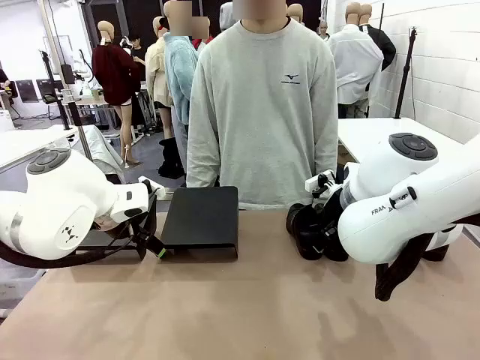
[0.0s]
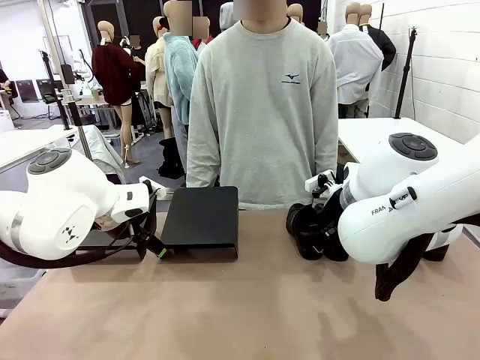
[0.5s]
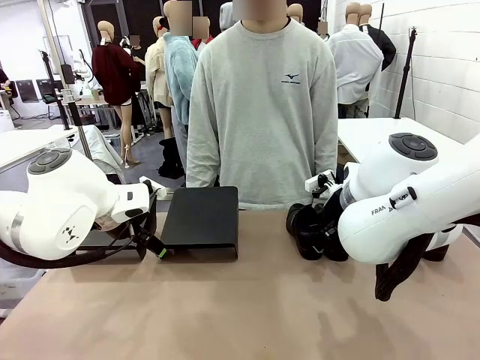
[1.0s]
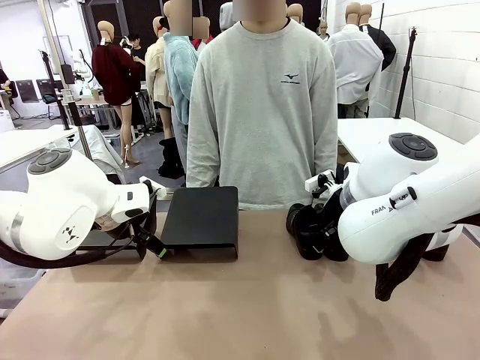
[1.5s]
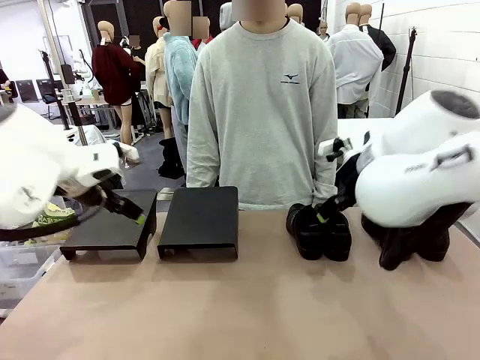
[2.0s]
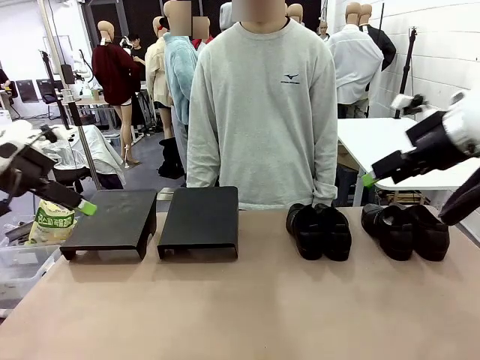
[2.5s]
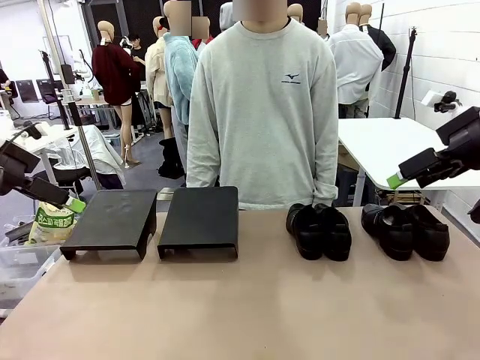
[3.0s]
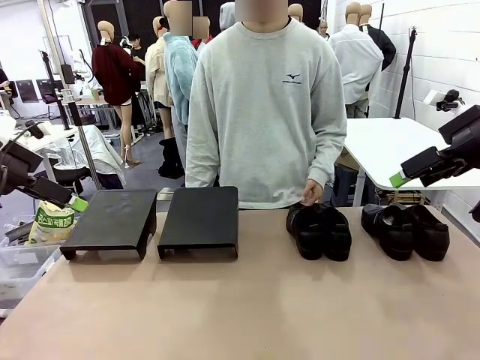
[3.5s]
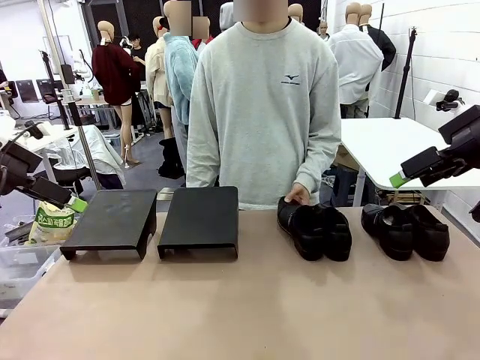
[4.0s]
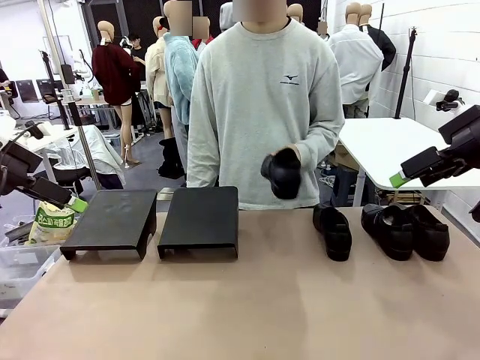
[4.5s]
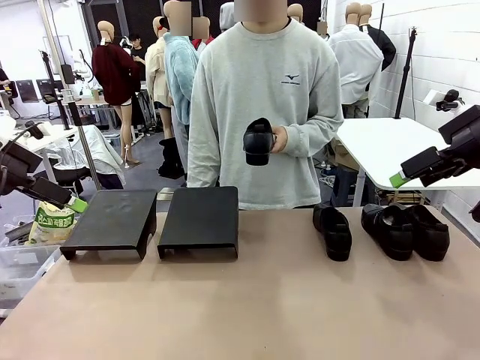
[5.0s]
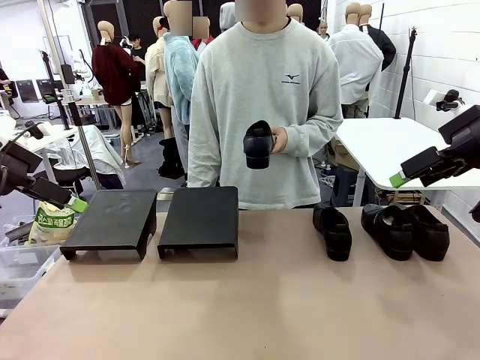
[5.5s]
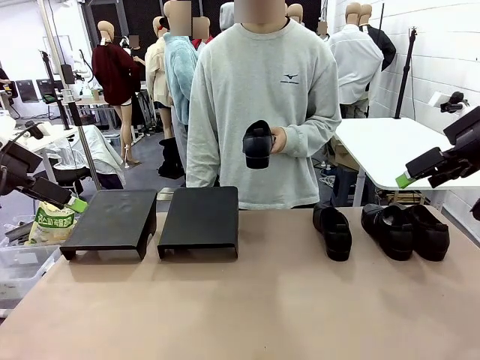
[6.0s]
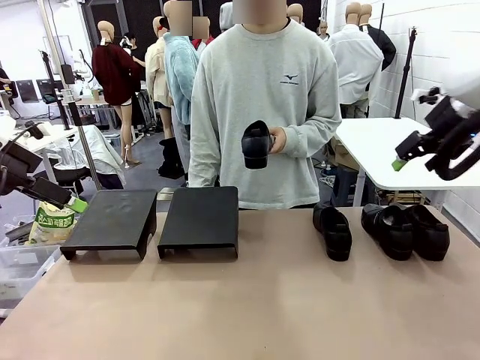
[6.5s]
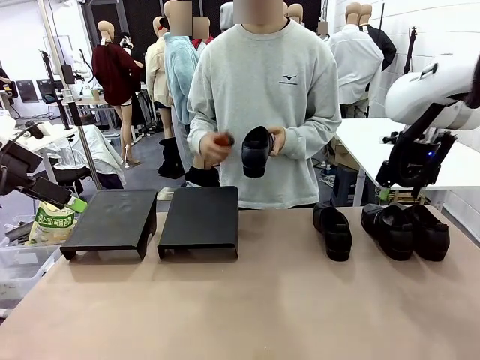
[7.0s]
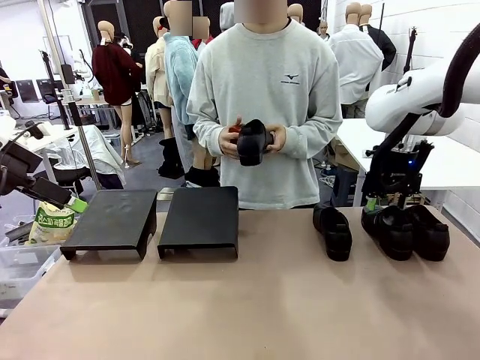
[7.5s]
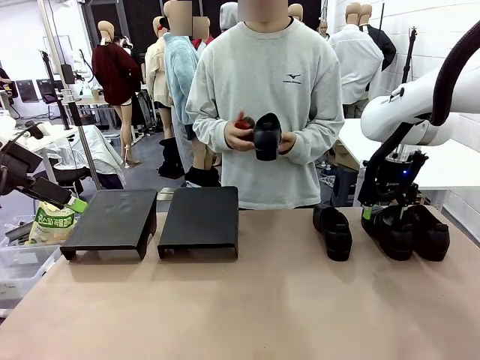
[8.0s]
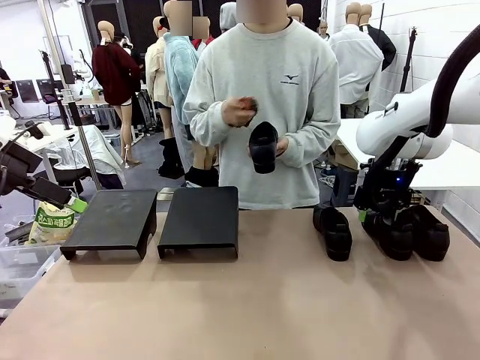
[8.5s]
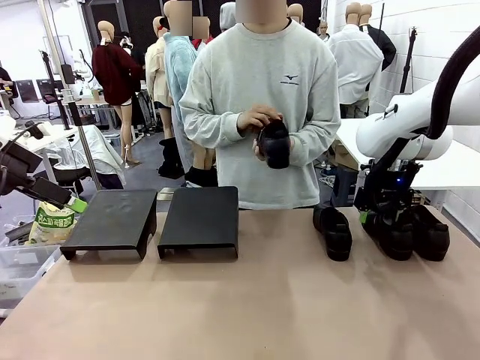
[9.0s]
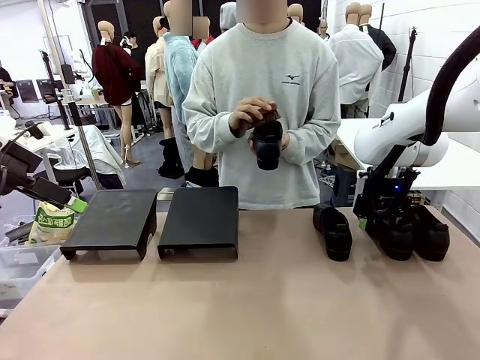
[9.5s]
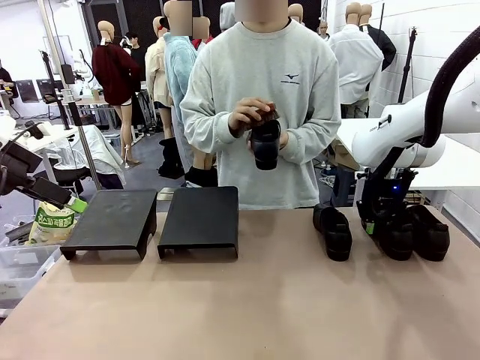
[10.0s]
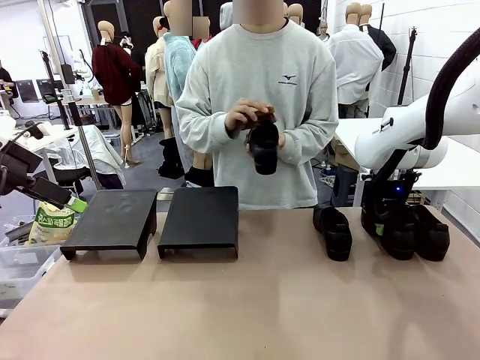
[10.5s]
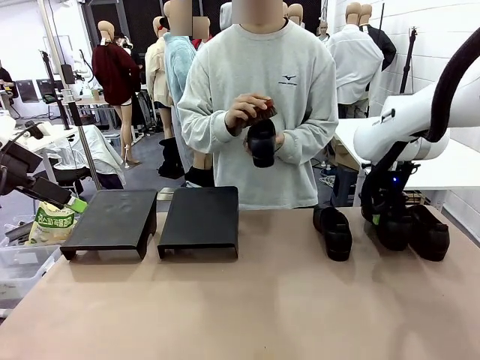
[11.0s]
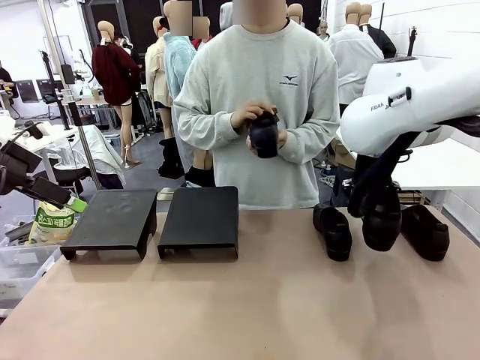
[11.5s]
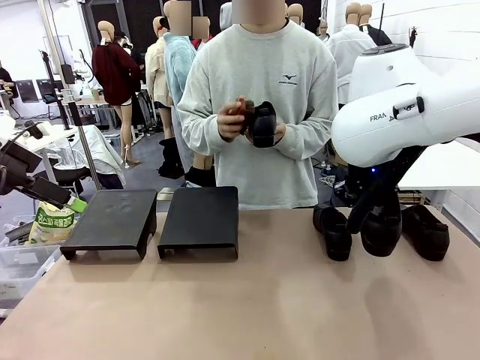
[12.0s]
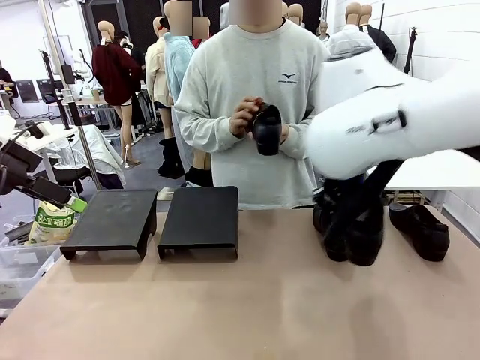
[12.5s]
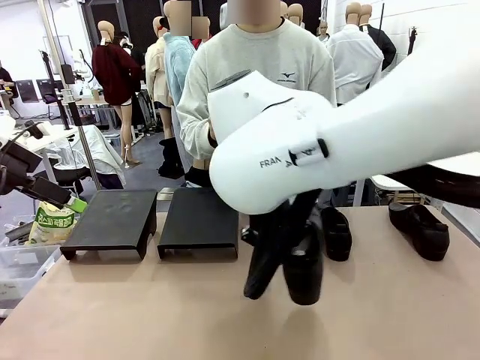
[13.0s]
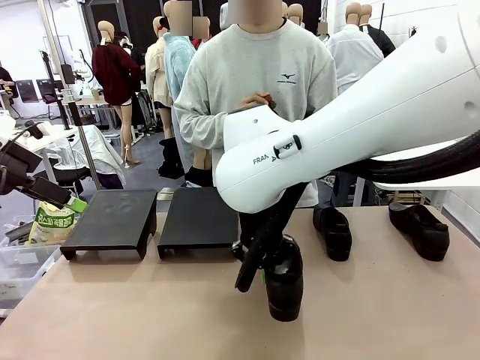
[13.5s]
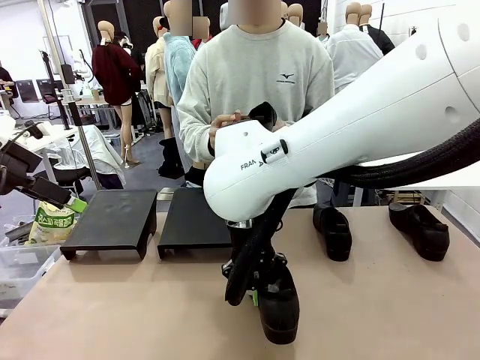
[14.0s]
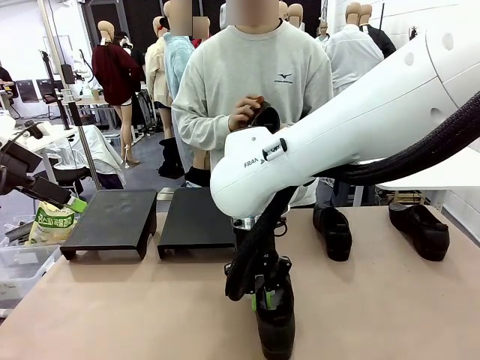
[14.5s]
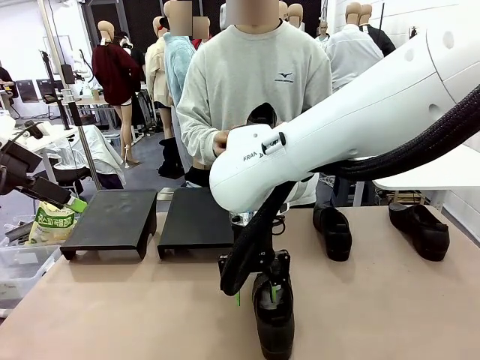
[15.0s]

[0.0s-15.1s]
Task: Organize the shoes by placing them on the stand.
Robot: Pick up one Shoe and place it in the middle of the table.
Person: Pick one Shoe on Robot's table.

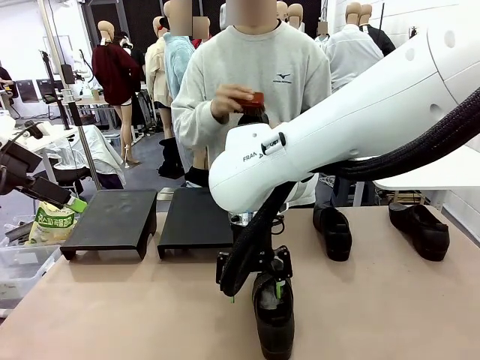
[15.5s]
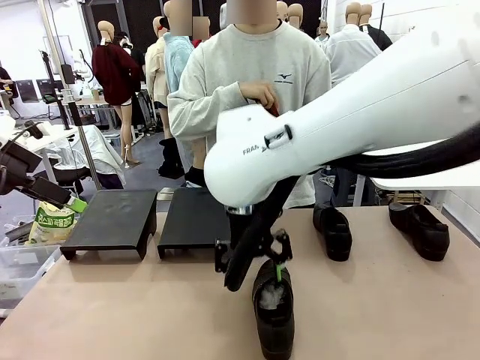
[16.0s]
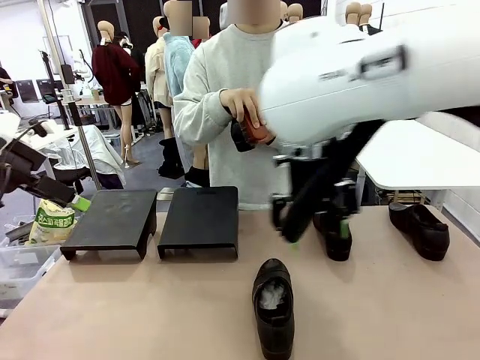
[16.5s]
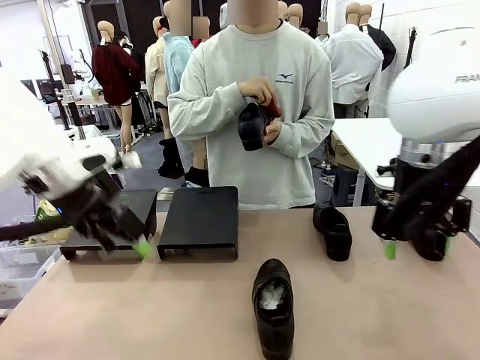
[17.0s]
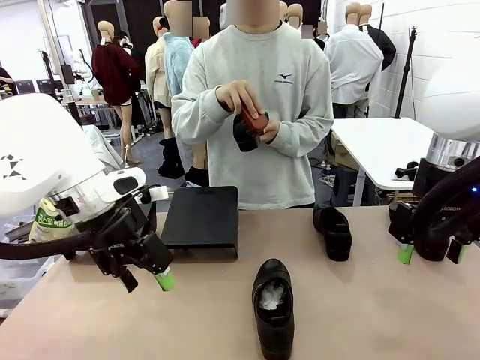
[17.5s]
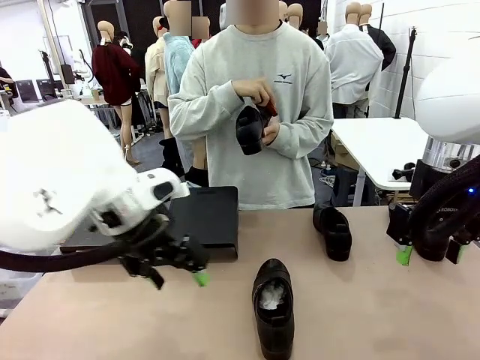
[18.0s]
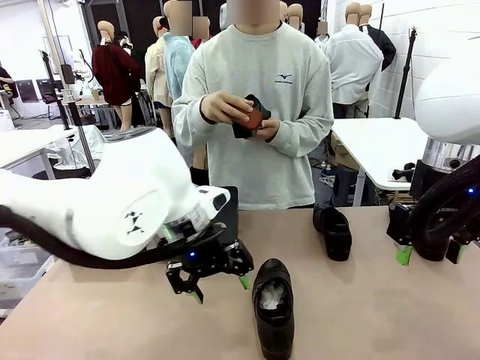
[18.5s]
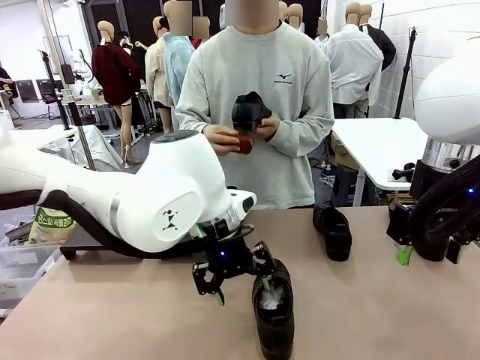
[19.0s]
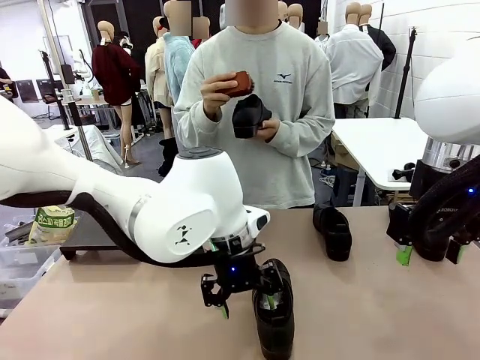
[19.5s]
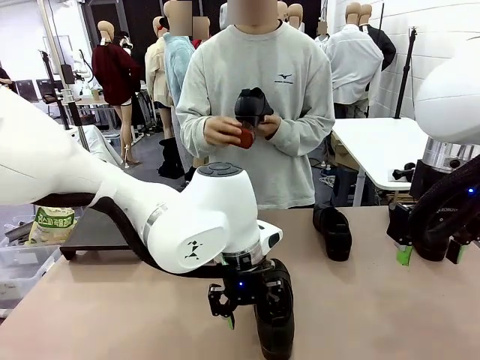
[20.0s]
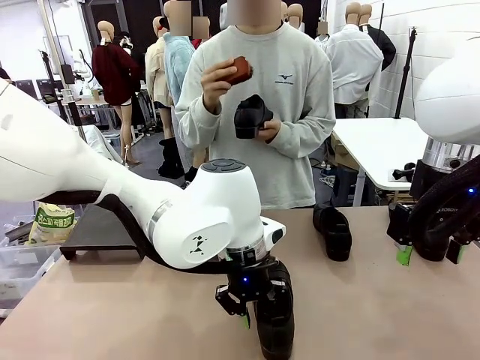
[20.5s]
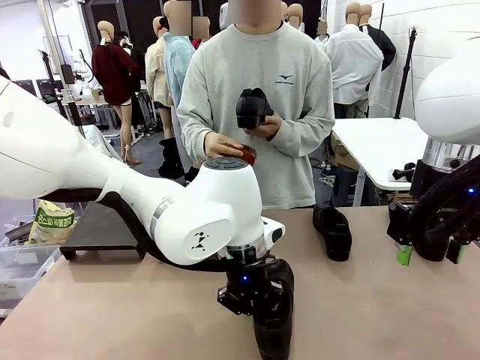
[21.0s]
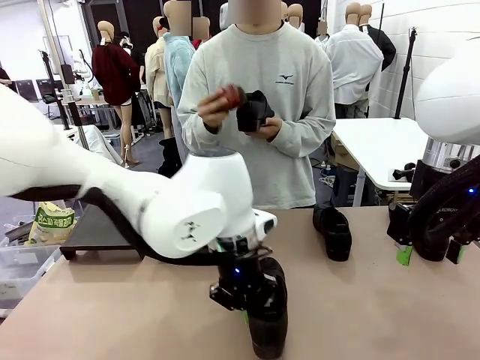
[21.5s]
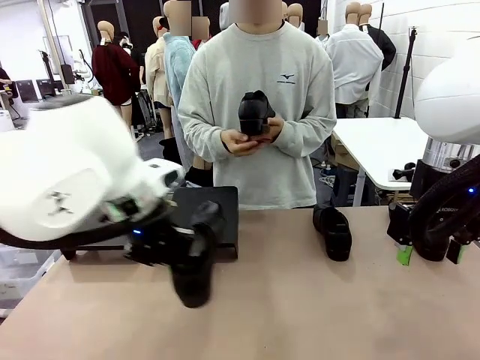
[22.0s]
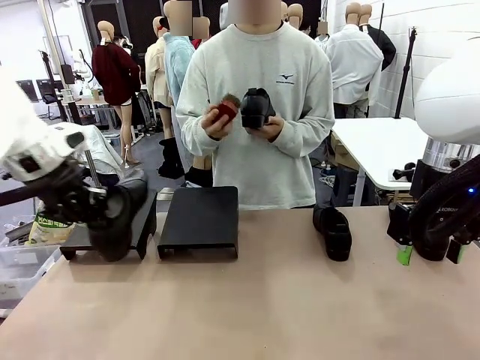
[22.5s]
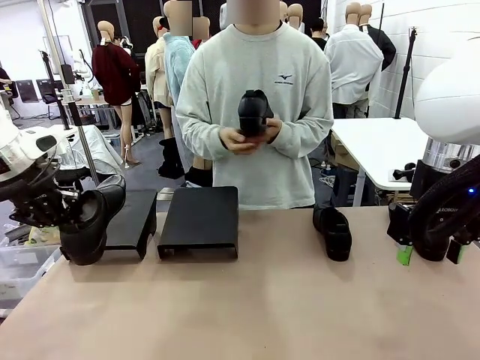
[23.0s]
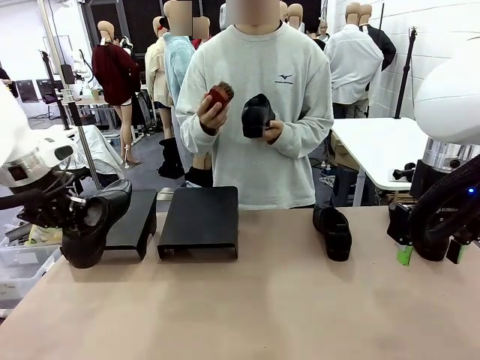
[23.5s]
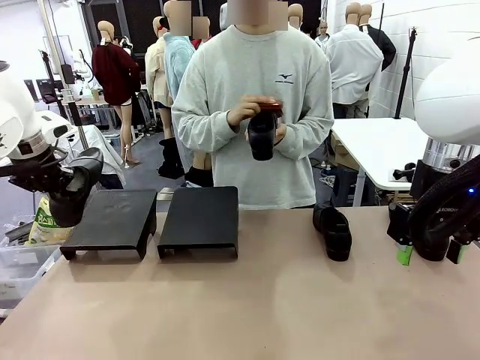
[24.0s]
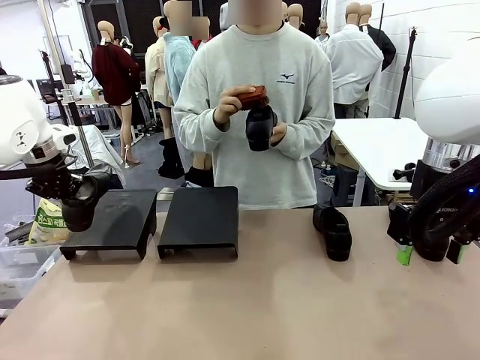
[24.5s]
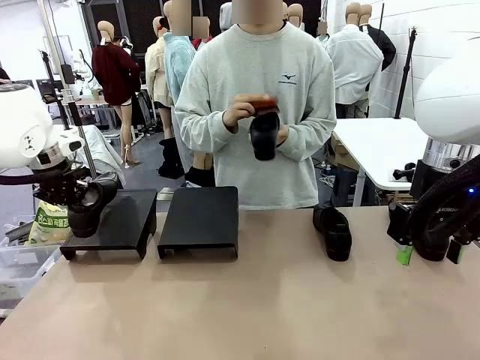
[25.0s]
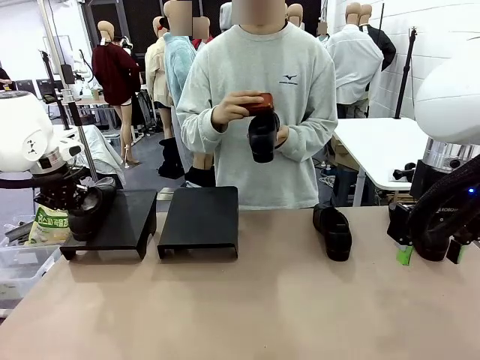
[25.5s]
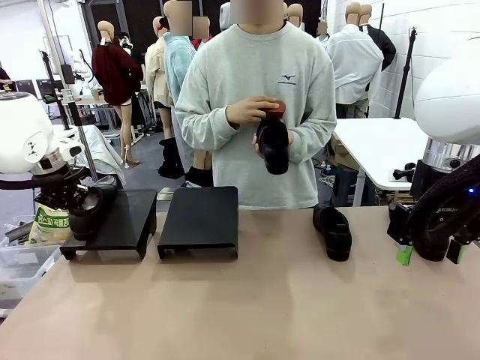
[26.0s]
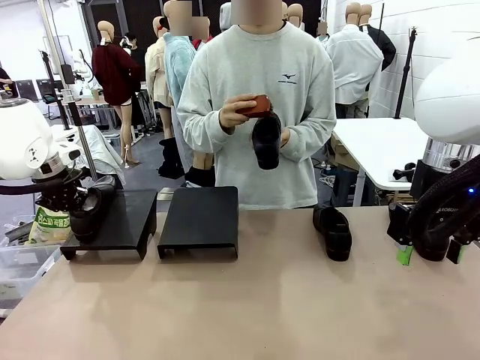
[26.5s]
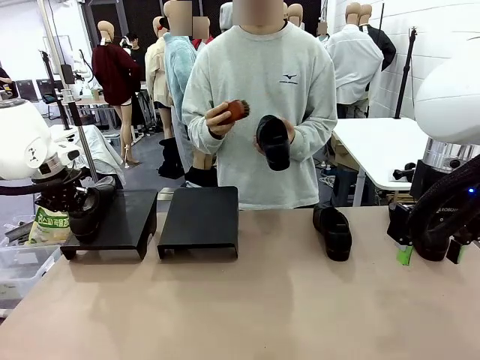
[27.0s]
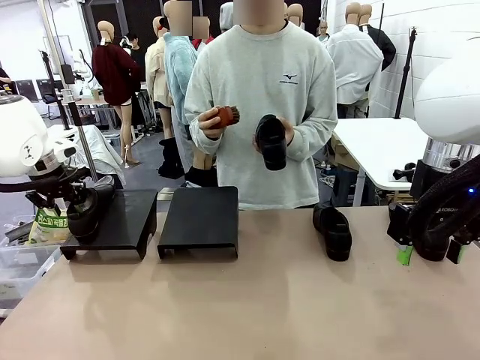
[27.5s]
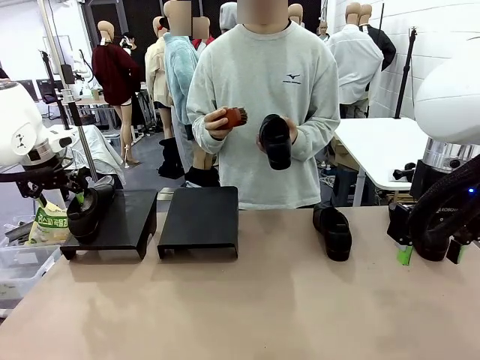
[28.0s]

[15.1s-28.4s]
Robot: Place the Shoe from the middle of the table onto the Shoes Stand.
Person: Clean the Shoe with the Shoe Brush.
